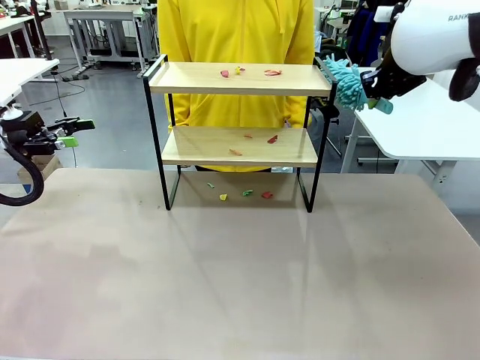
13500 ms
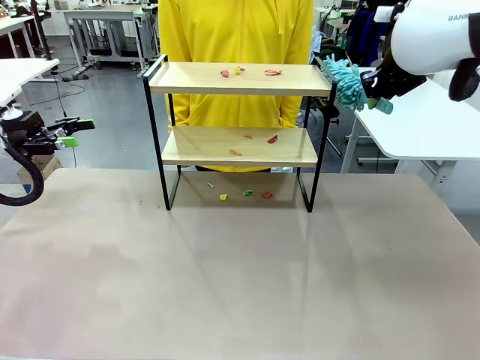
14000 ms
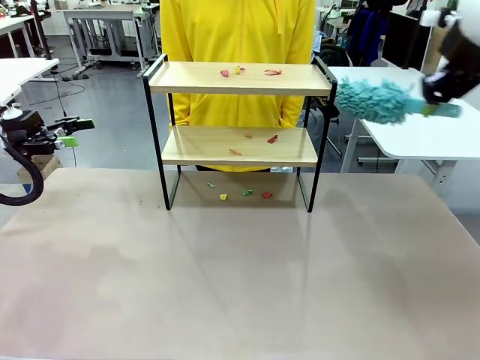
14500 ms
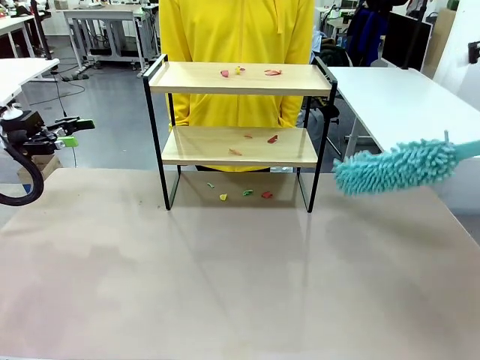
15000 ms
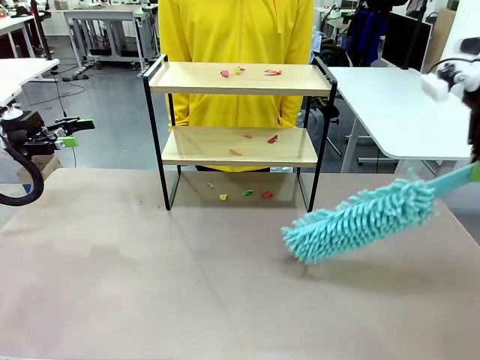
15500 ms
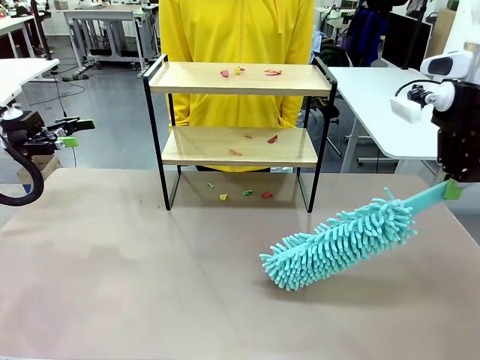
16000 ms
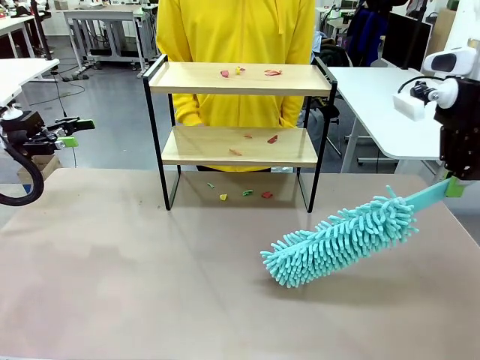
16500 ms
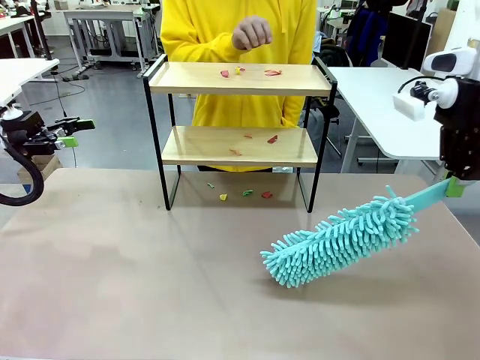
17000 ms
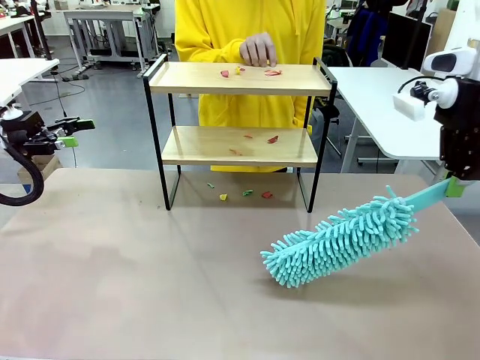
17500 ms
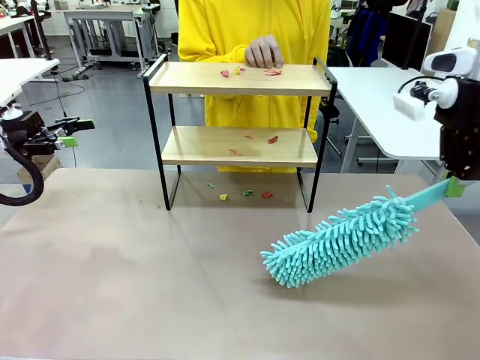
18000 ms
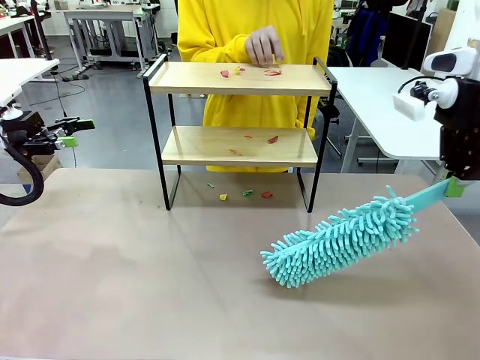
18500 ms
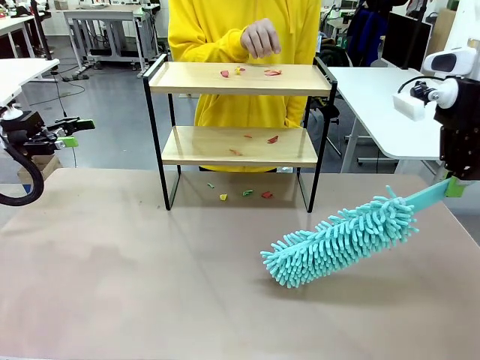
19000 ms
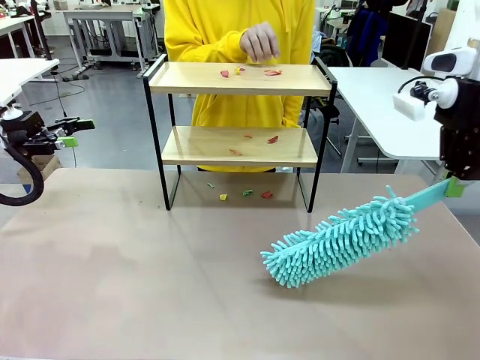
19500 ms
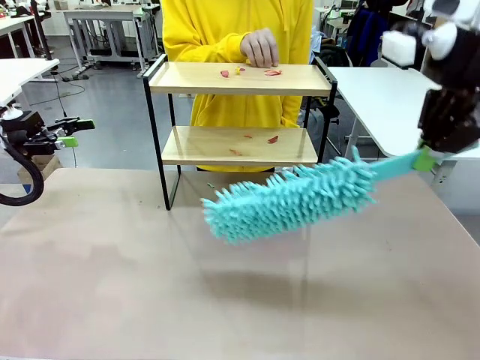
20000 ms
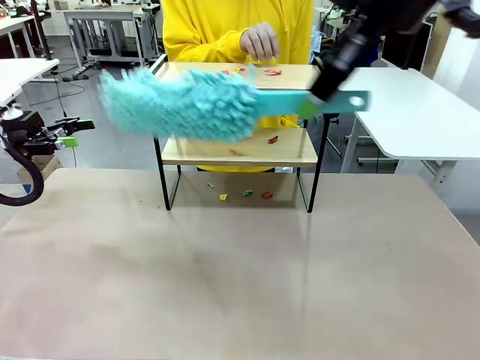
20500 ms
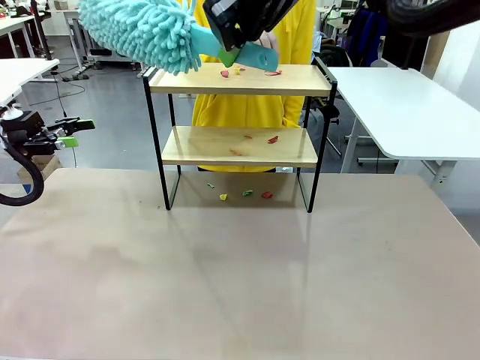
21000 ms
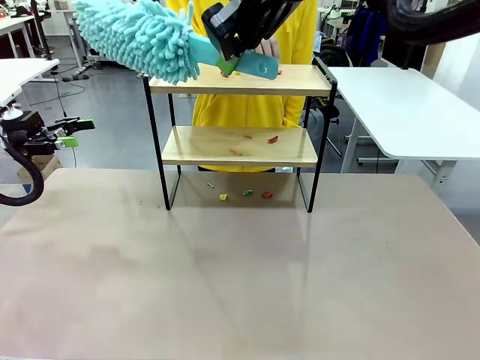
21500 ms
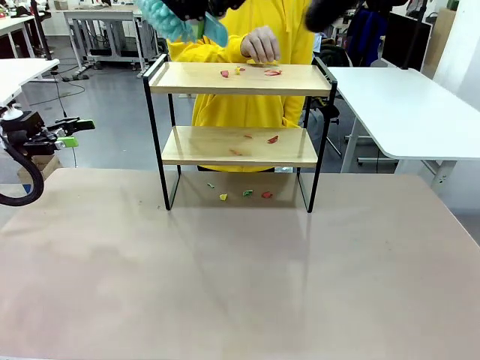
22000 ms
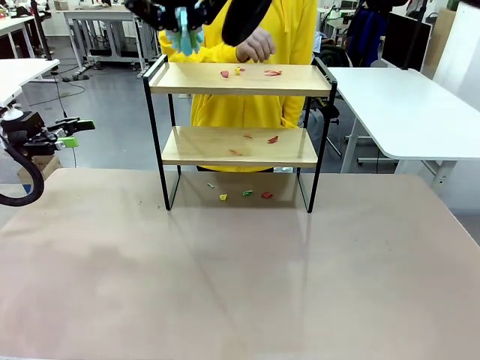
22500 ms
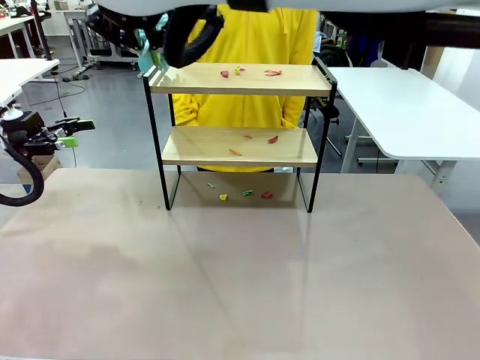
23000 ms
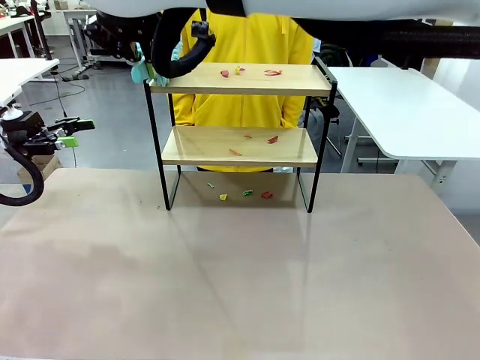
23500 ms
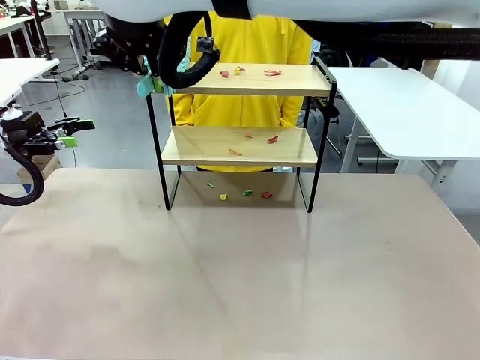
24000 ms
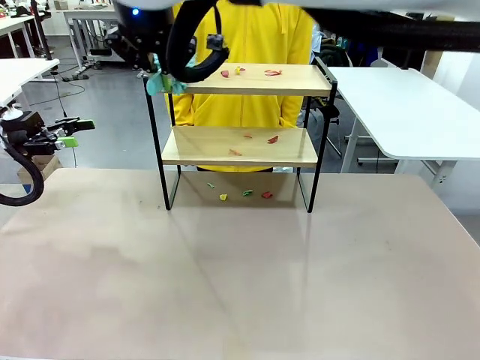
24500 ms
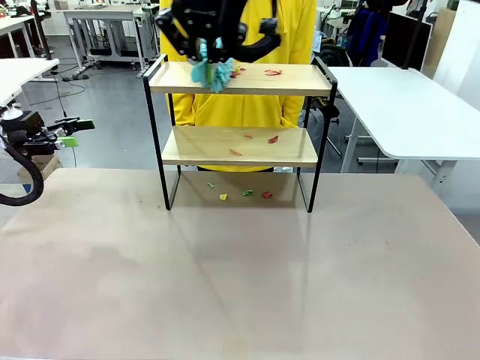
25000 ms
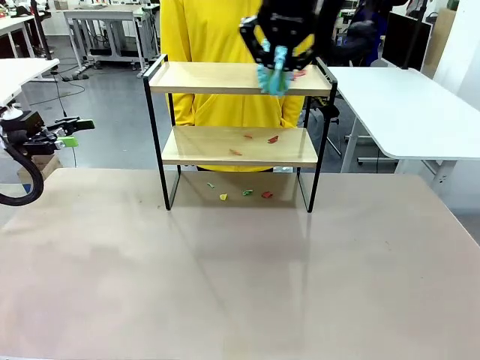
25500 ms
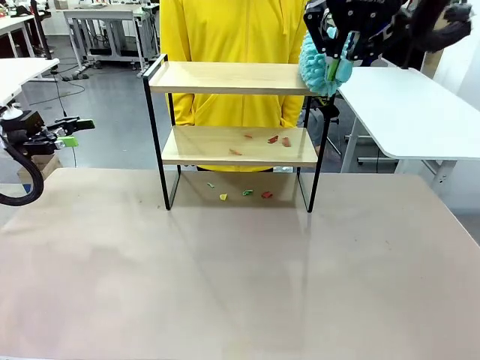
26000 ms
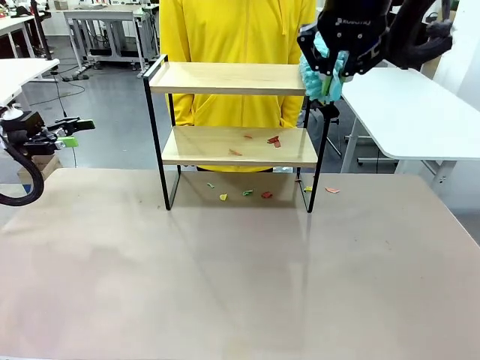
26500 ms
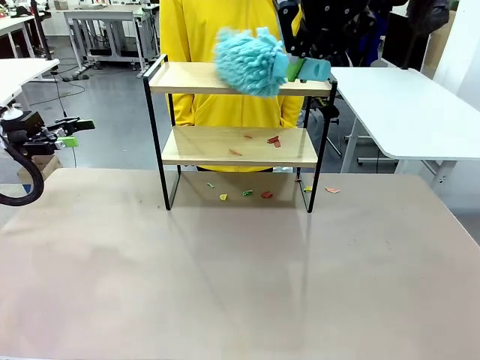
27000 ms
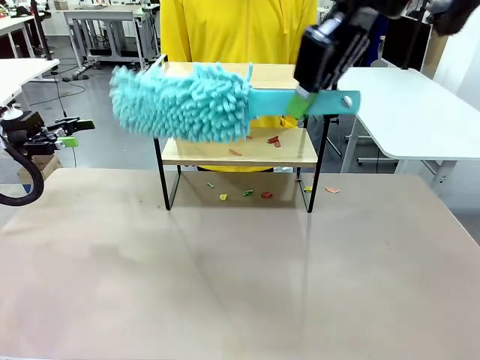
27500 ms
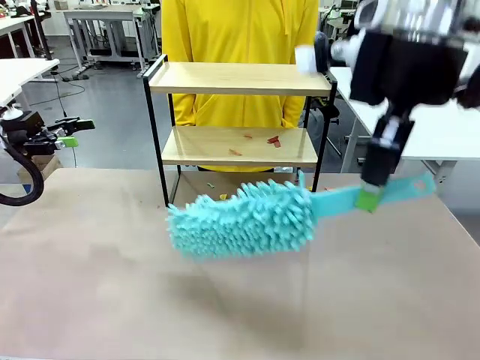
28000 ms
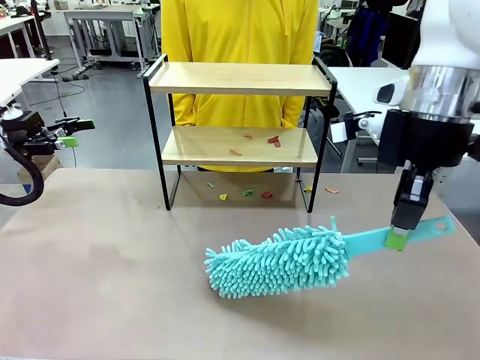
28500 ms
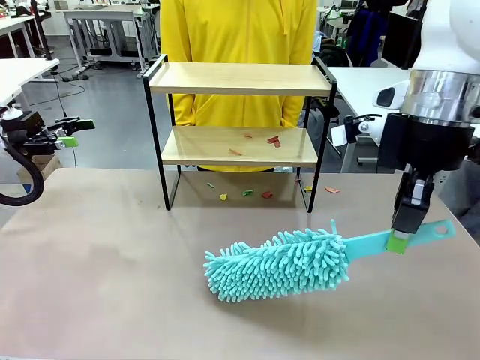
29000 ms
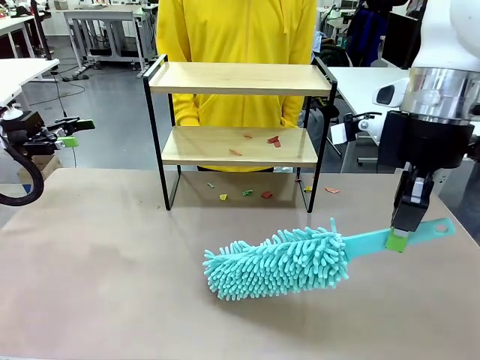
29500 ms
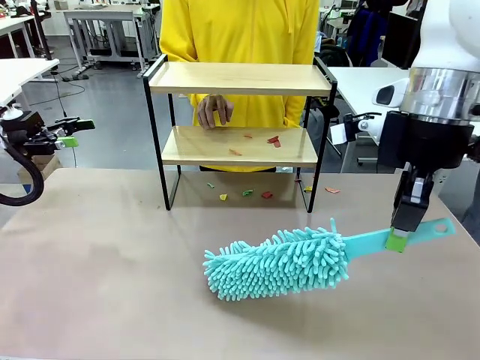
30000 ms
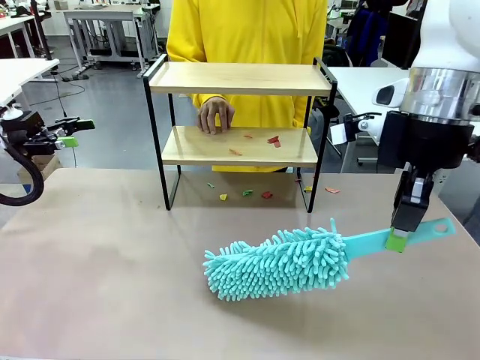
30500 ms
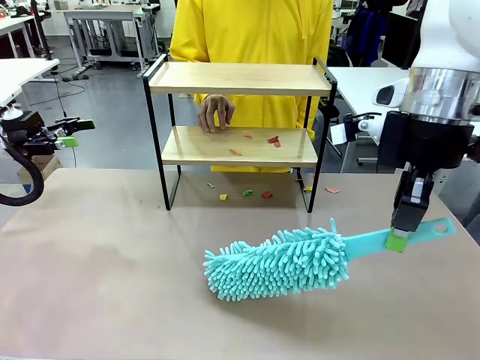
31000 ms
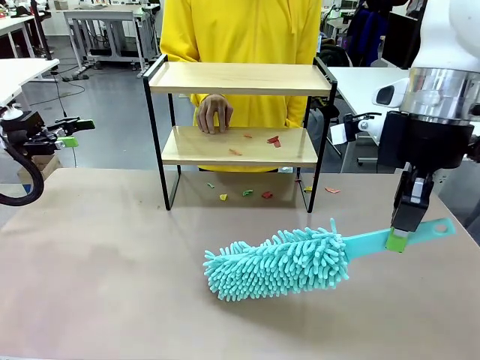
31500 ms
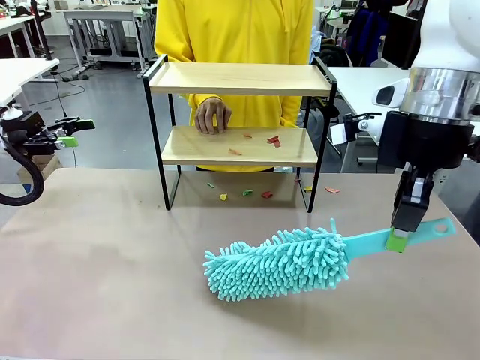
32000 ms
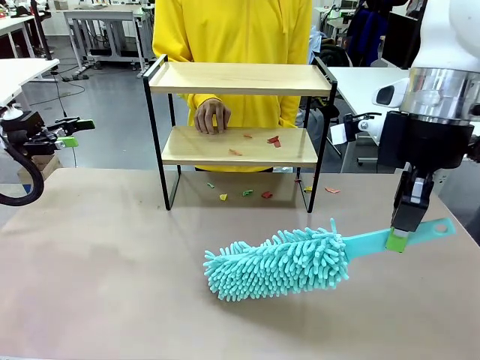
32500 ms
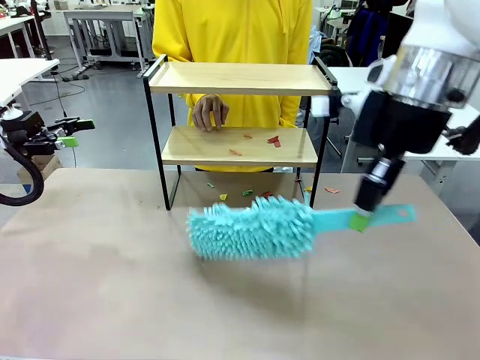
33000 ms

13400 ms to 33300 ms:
Task: Clean the shelf.
Robot: Clean the specific section of the Shelf indicated by the human with the Duster.
Person: Point a random section of the Shelf.

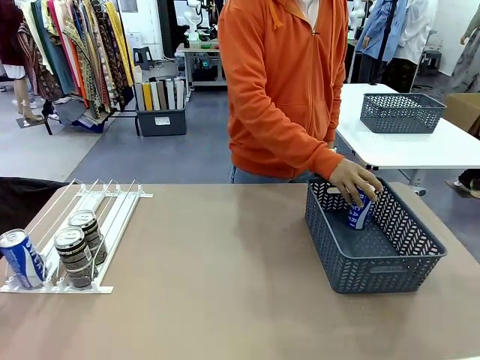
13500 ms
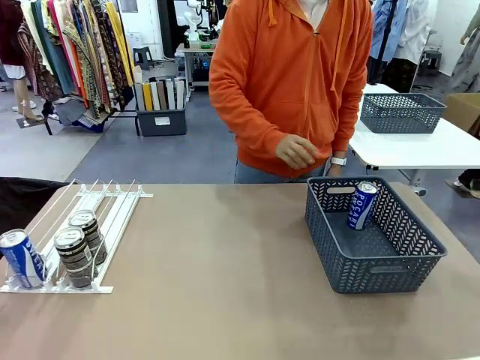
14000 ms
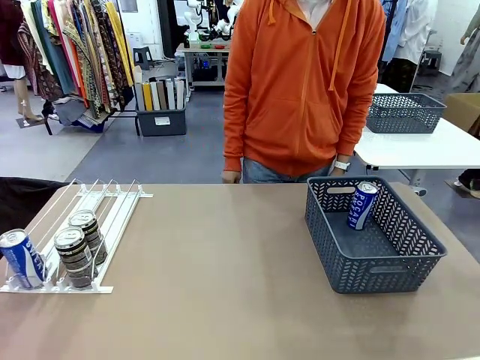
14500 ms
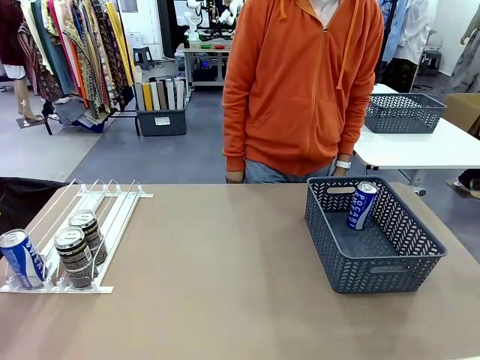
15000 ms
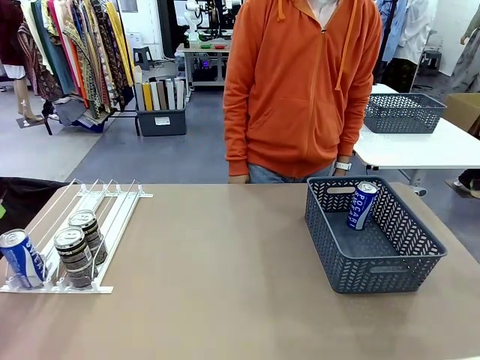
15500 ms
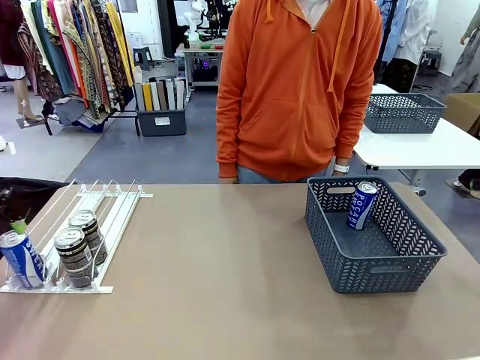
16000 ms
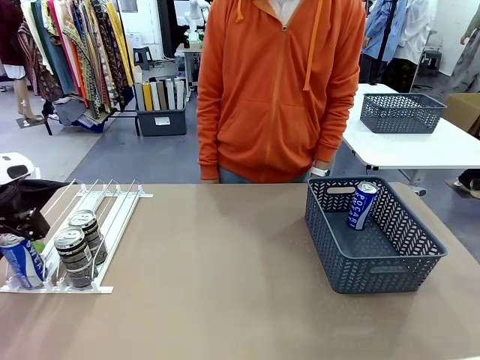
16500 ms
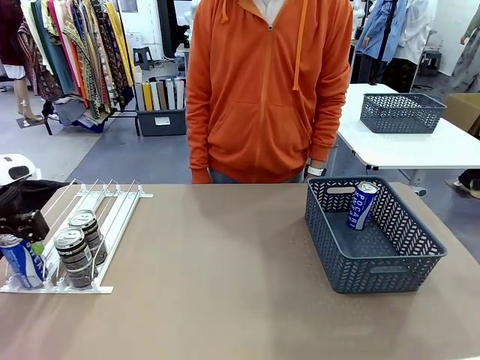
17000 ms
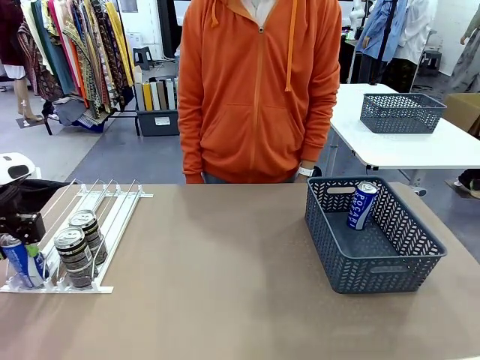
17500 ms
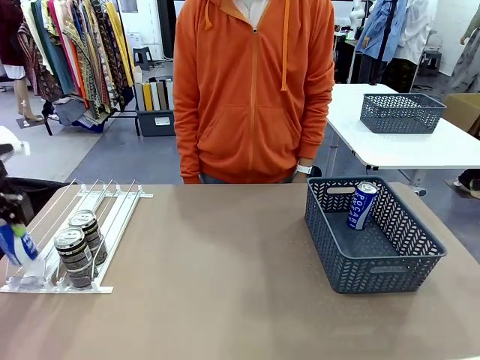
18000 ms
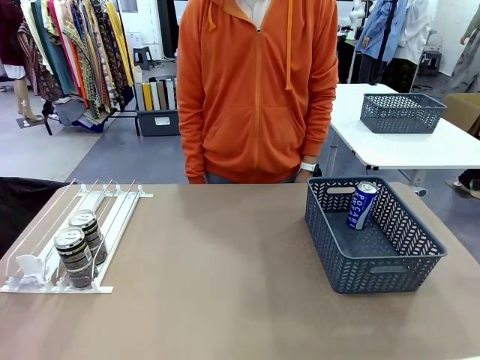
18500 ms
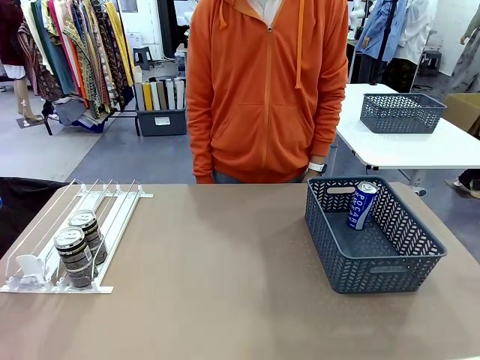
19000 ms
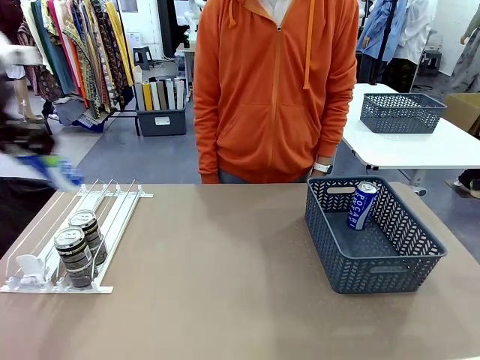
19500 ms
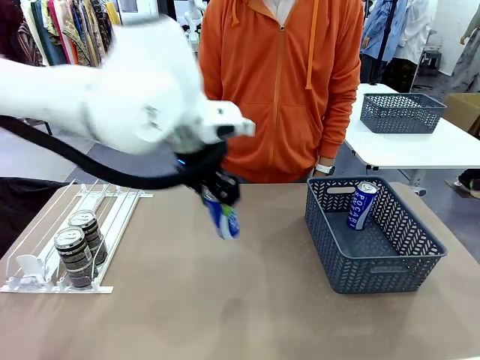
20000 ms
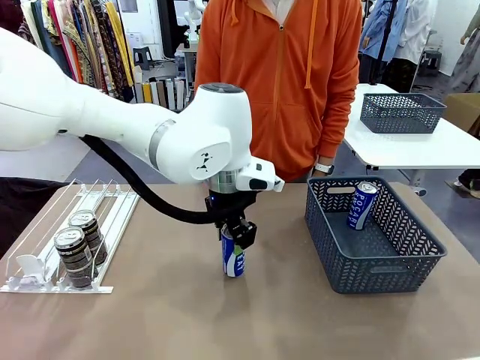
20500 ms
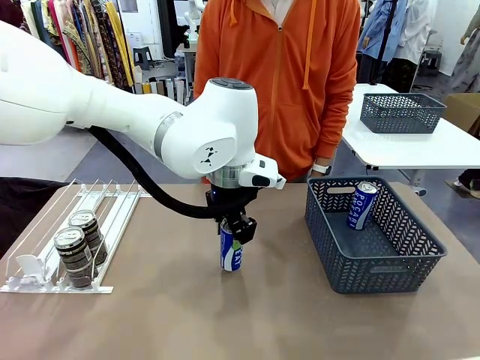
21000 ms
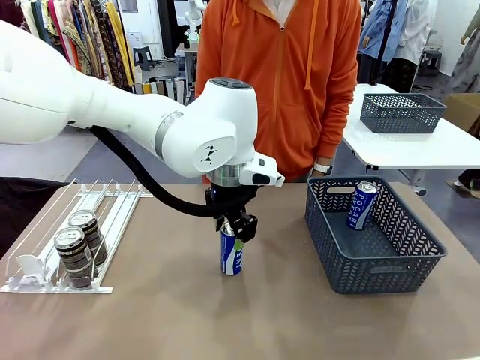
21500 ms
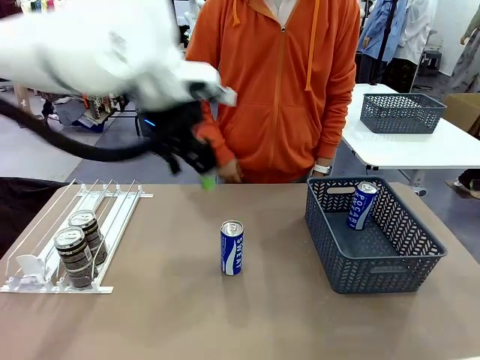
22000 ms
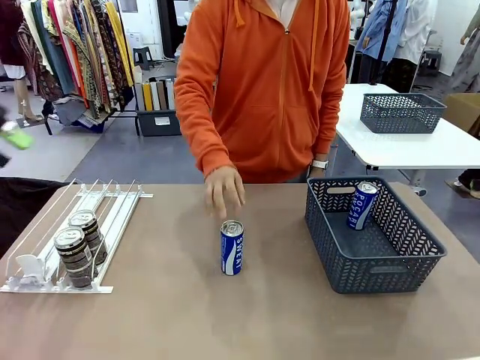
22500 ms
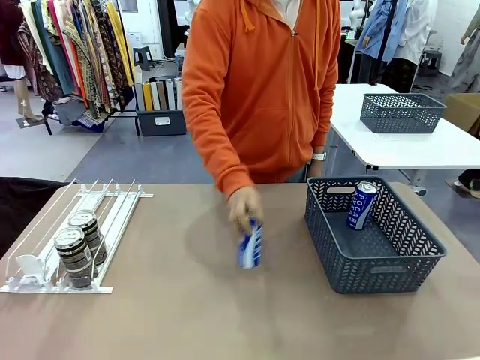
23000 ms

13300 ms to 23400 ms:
Task: Retrieve and store the cans from the dispenser.
Robot: Pick up the last remaining can from one row of the Automatic Can Dispenser and place it in the middle of the table.
Person: Pick up one Pepsi can from the middle of the robot table and place it in the basket.
